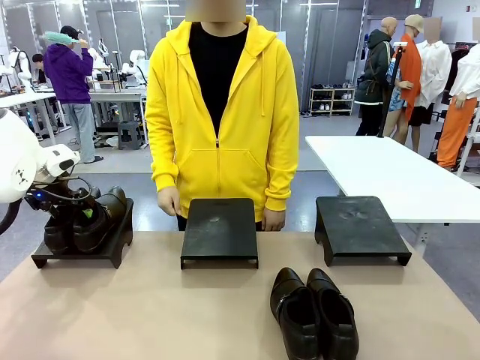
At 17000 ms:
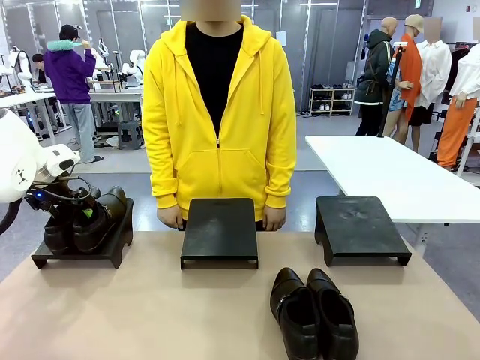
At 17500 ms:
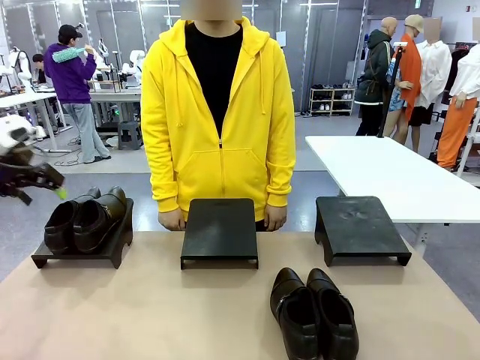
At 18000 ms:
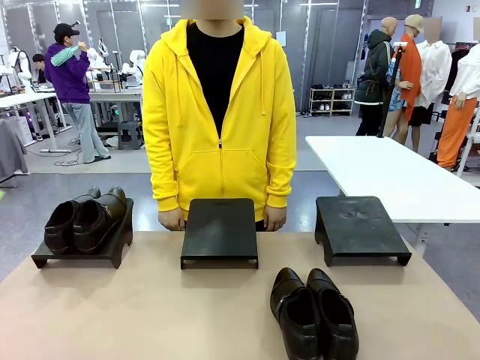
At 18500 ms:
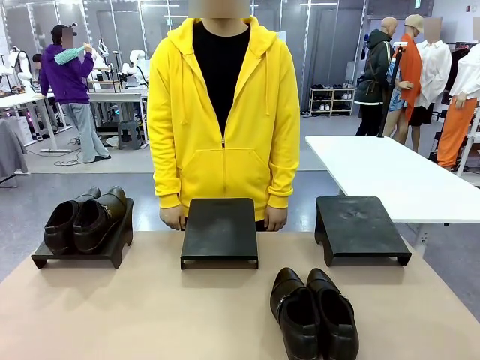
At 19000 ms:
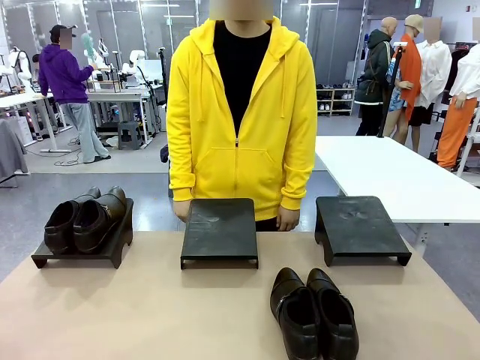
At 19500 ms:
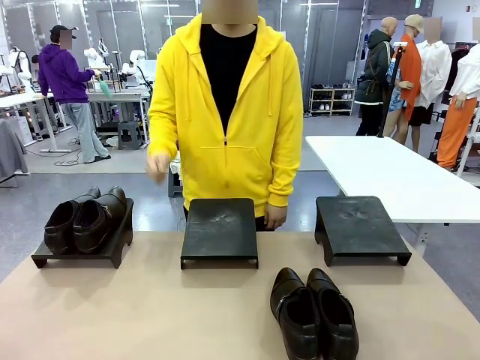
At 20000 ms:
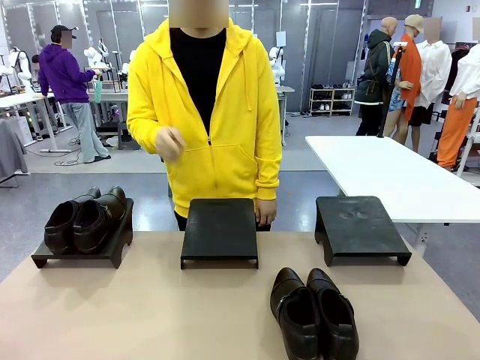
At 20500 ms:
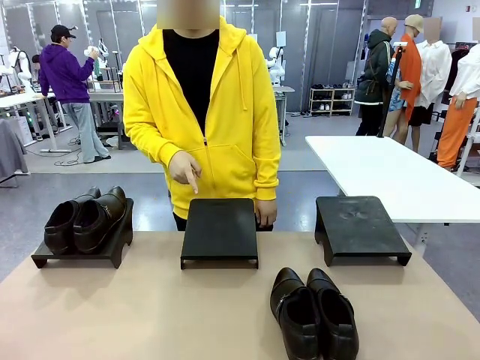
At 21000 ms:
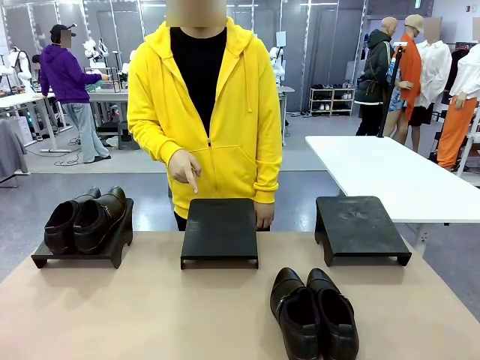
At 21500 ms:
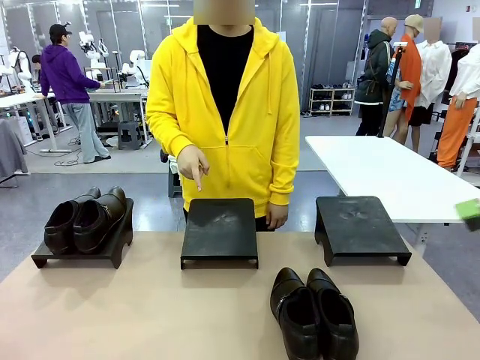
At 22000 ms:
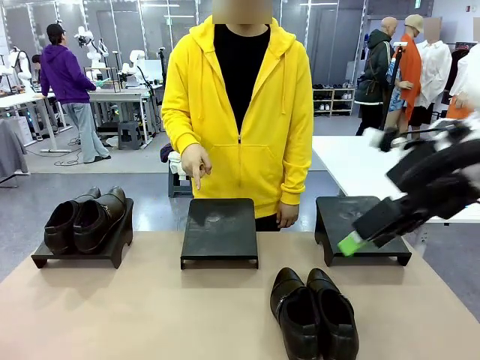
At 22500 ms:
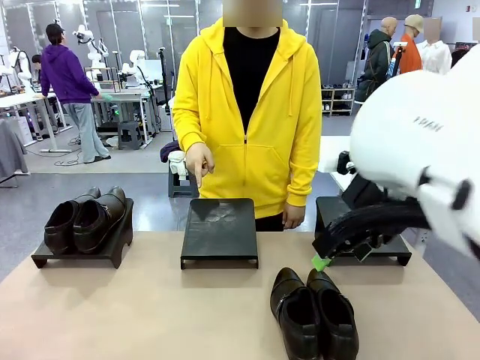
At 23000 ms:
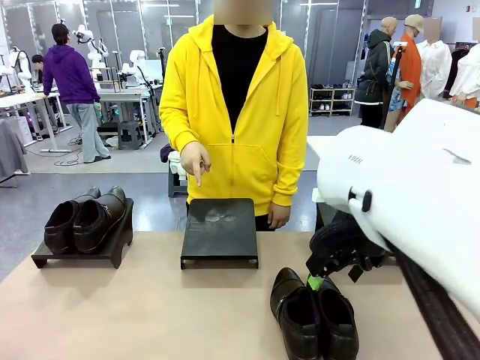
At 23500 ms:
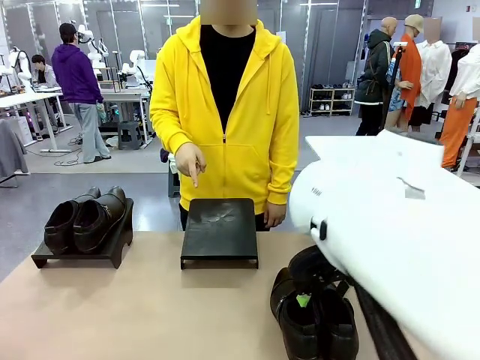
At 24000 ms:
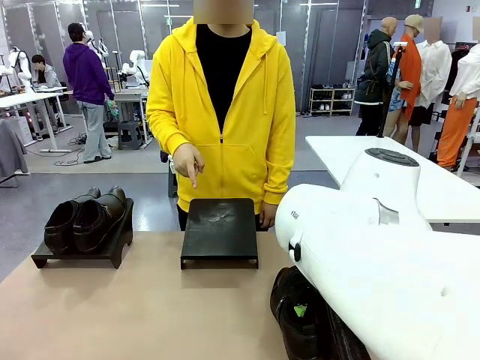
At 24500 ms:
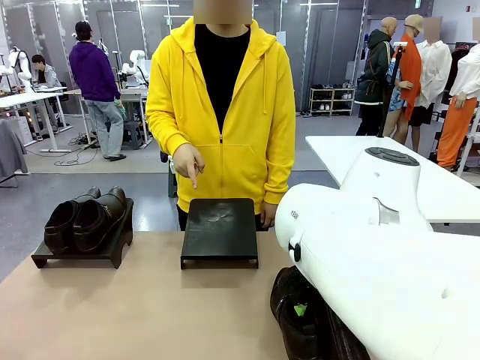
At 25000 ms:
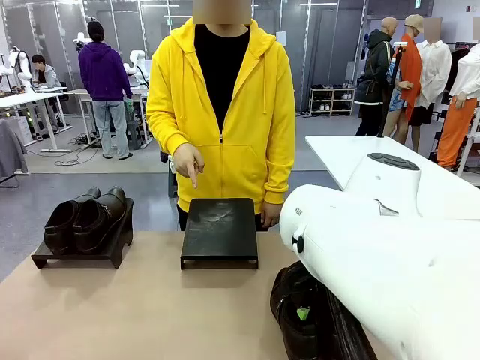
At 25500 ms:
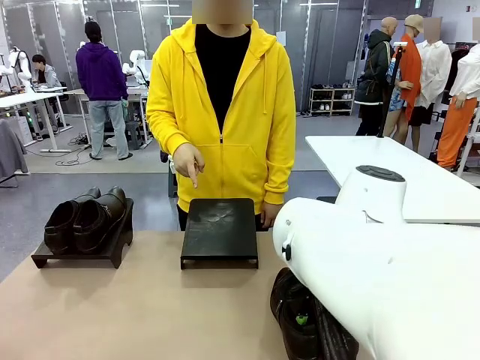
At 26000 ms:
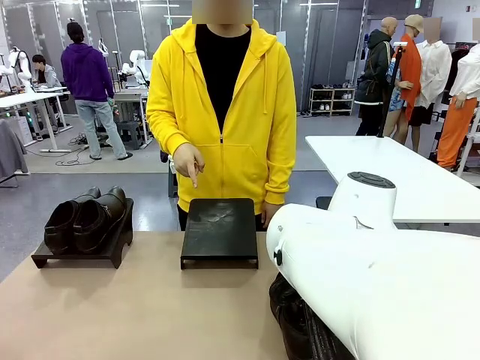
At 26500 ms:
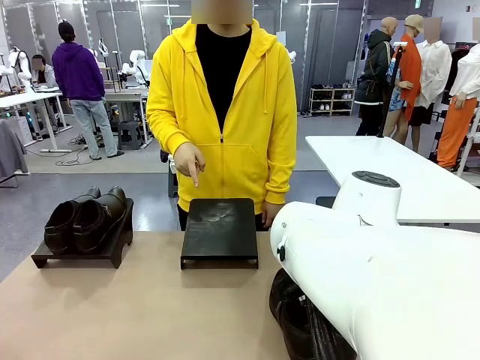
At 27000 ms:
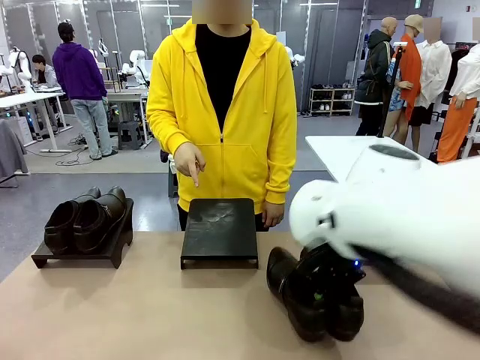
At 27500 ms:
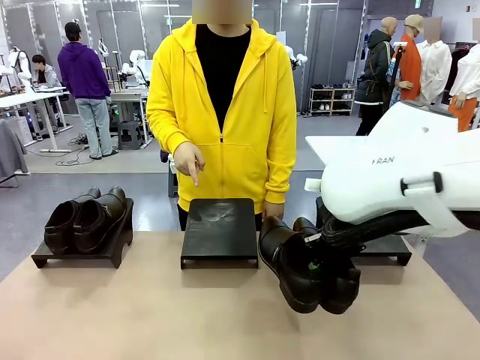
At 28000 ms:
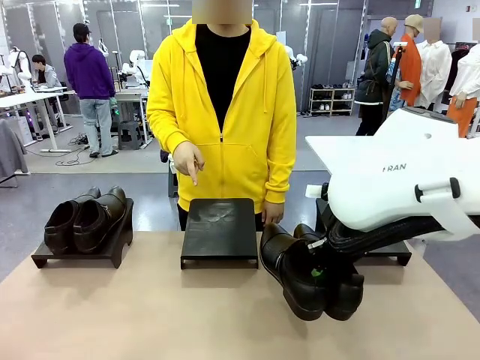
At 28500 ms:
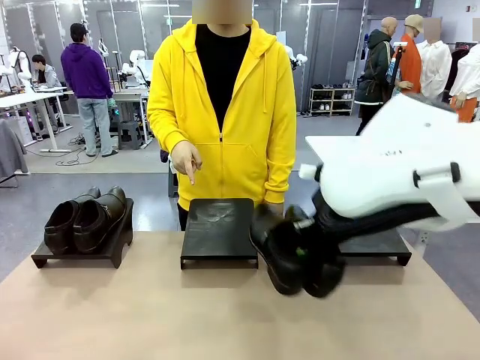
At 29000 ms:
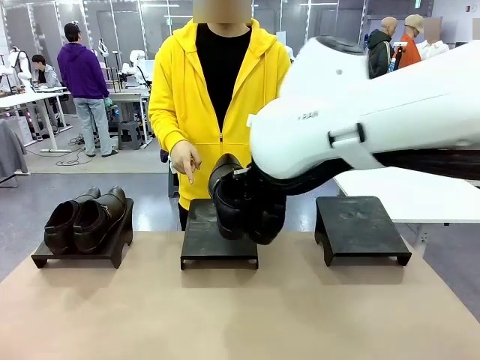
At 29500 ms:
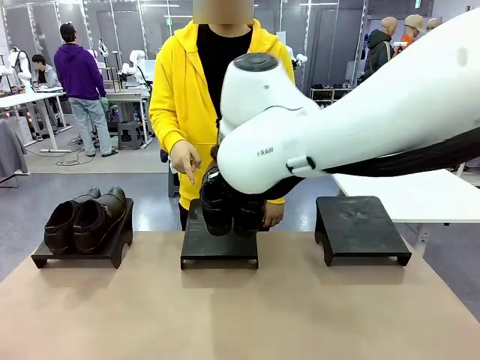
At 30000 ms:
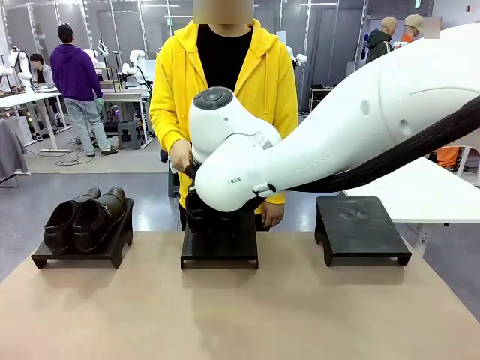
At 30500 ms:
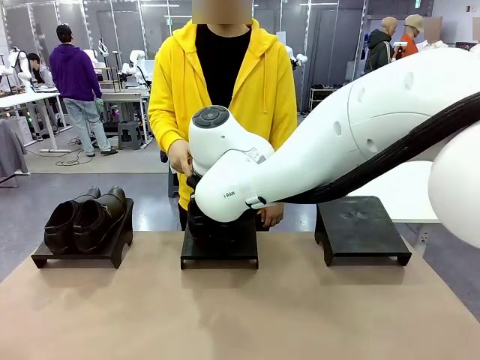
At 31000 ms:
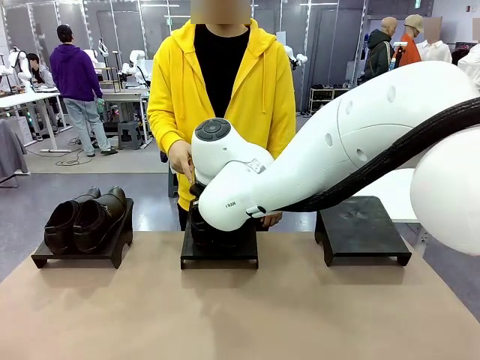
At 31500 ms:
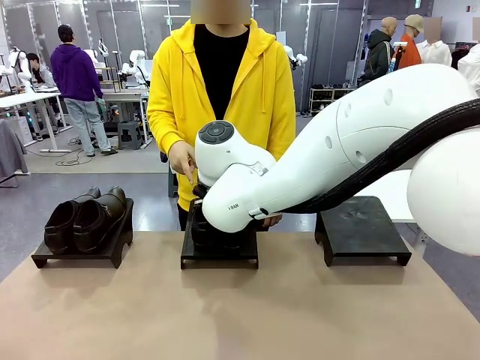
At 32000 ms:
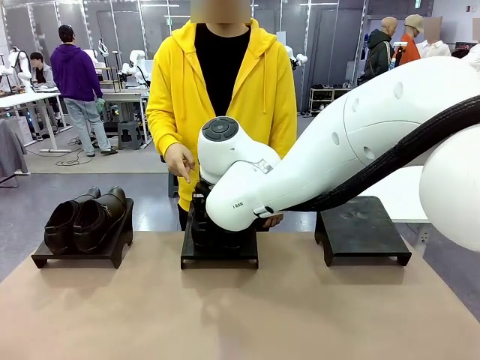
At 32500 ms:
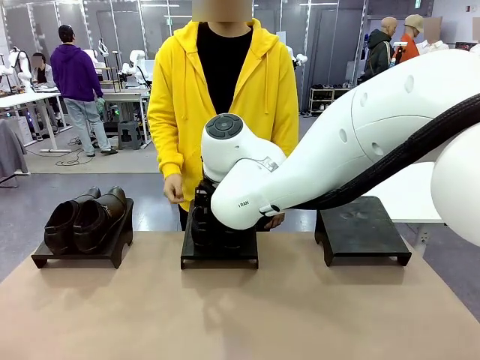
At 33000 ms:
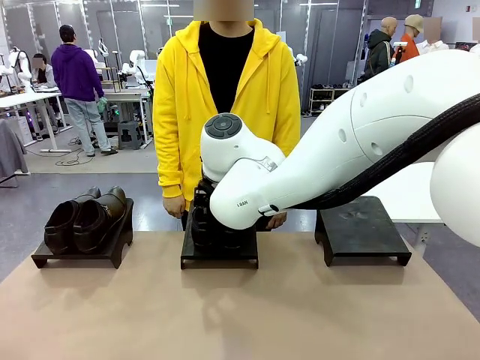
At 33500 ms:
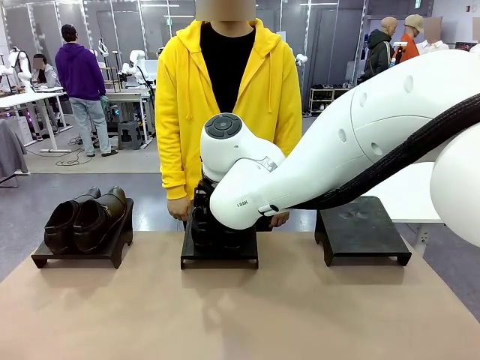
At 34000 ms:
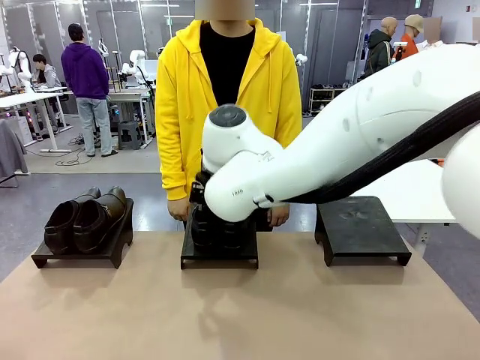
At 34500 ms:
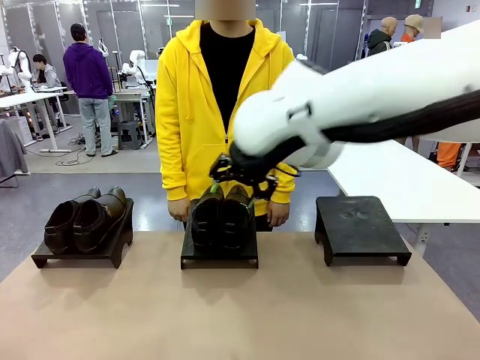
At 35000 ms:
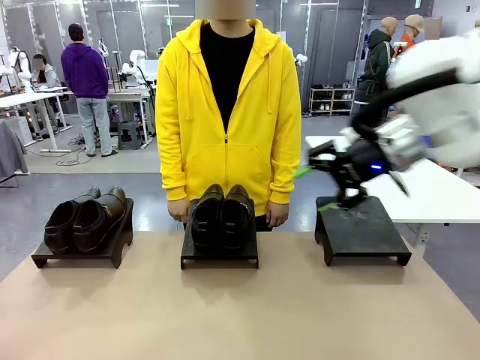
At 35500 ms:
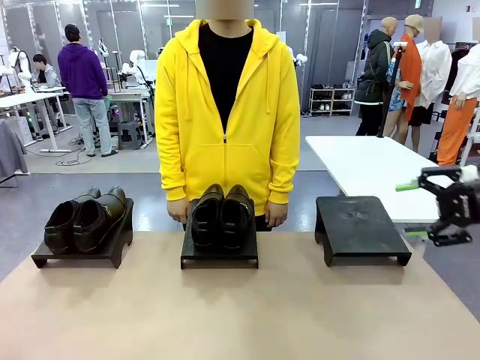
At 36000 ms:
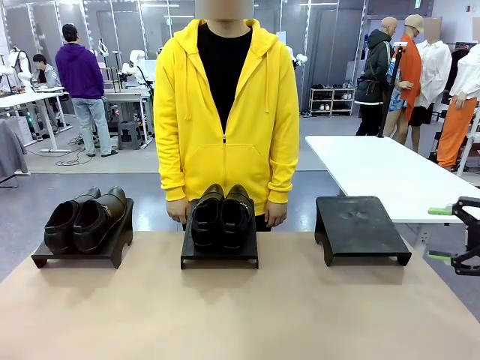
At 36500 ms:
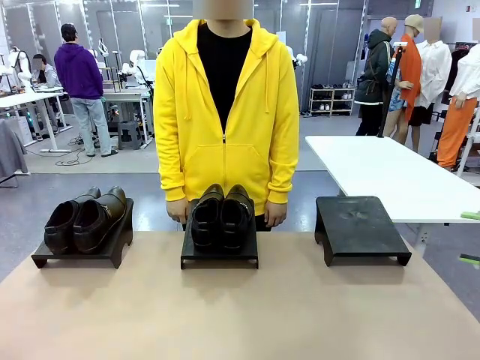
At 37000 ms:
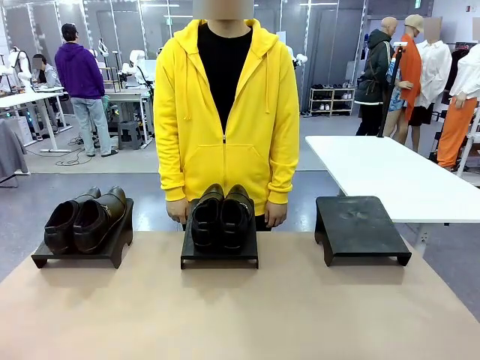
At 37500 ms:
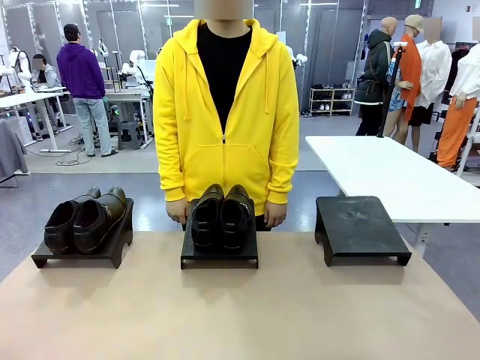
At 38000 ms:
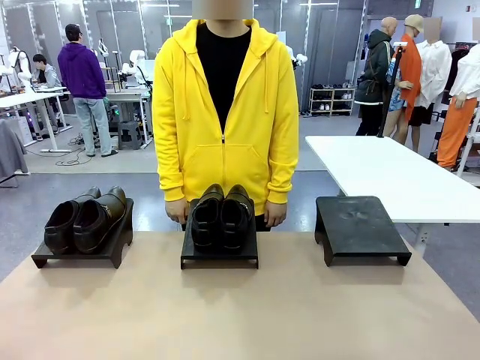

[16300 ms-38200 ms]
Task: Place the shoes on the stand as instructed by the person.
Robot: Pick up another pair of Shoes and place it on the Shoes Stand indicated by the person.
Person: Point to one Shoes Stand.
